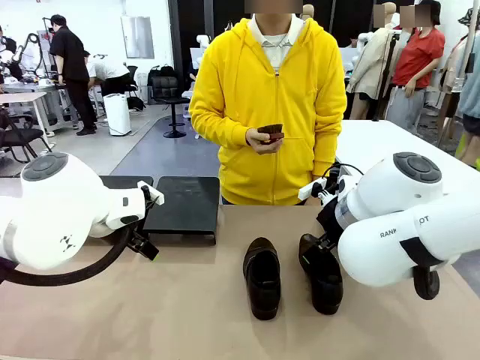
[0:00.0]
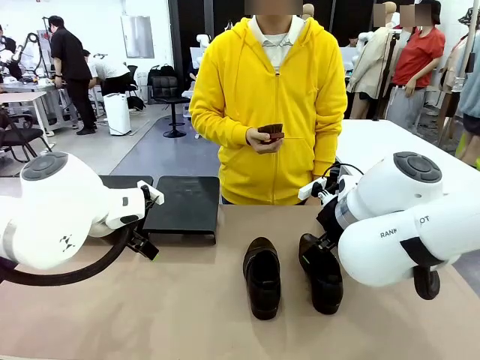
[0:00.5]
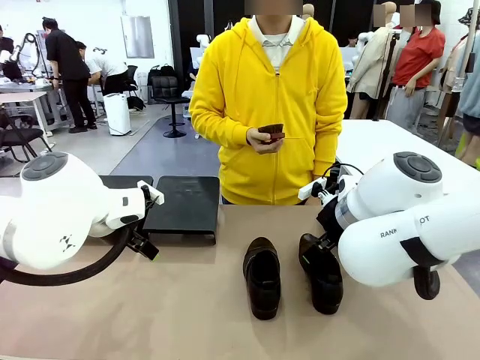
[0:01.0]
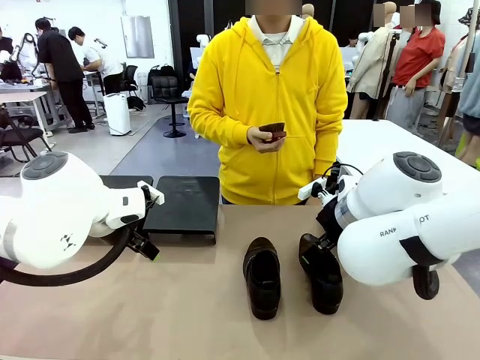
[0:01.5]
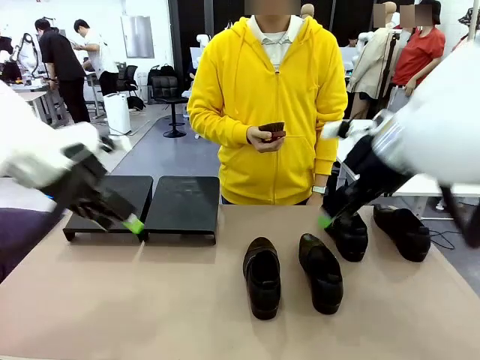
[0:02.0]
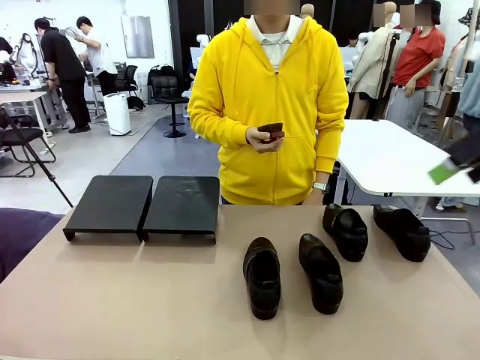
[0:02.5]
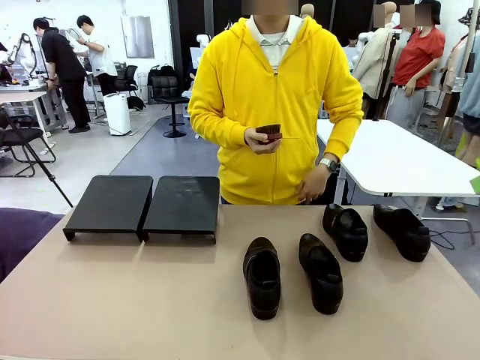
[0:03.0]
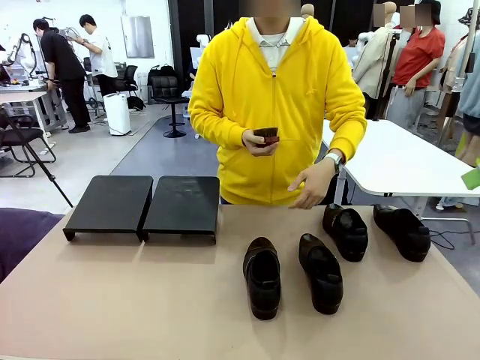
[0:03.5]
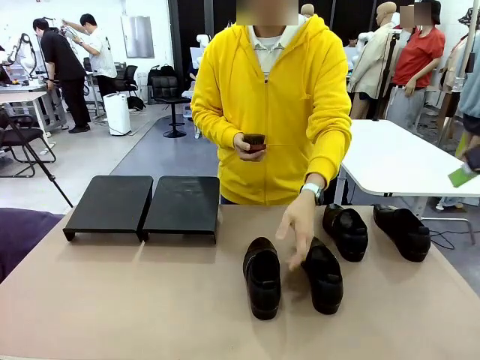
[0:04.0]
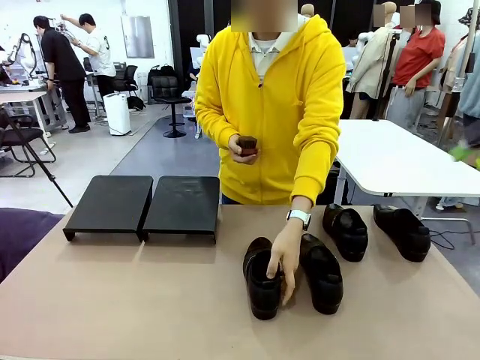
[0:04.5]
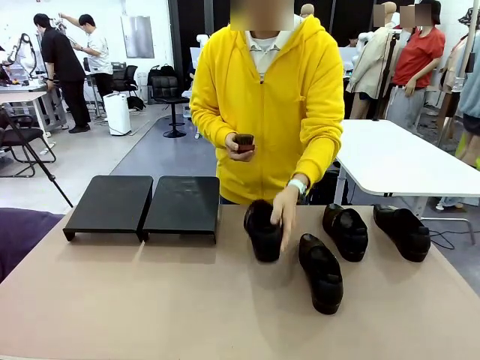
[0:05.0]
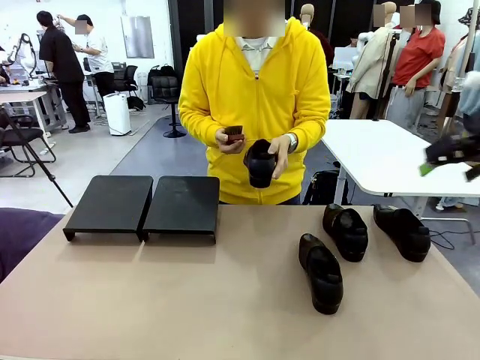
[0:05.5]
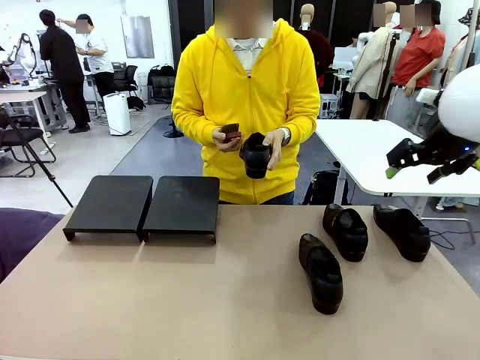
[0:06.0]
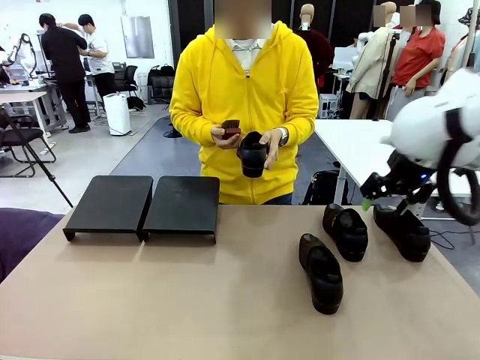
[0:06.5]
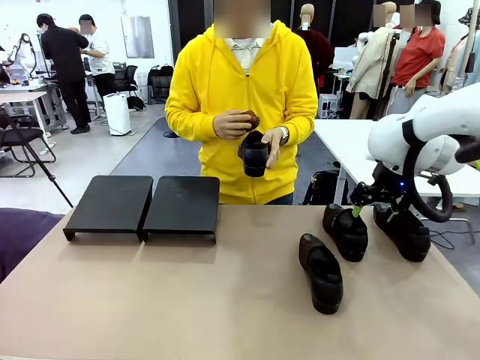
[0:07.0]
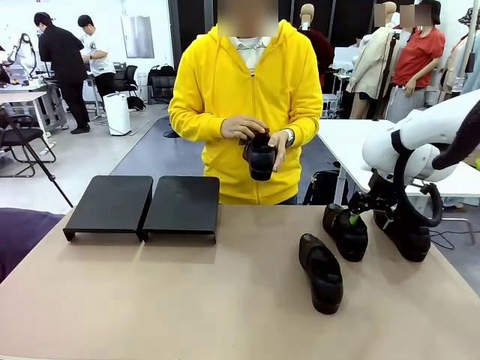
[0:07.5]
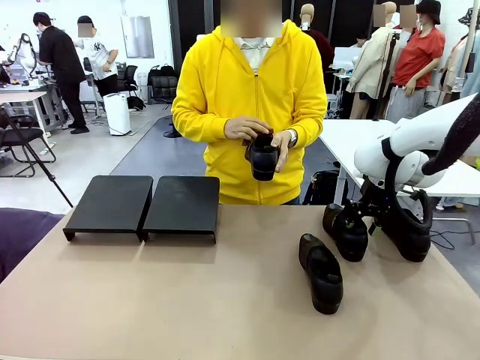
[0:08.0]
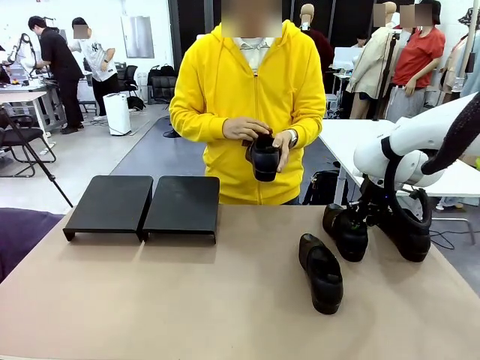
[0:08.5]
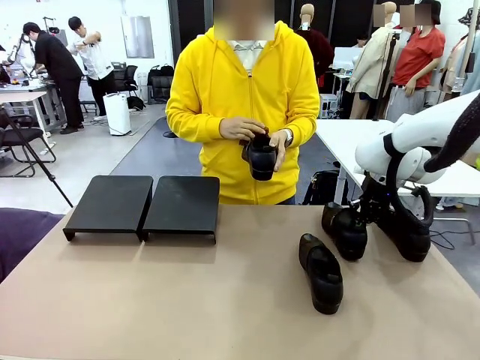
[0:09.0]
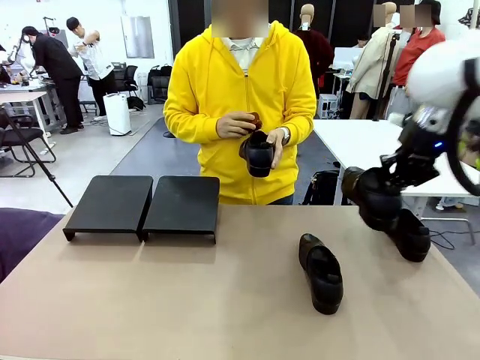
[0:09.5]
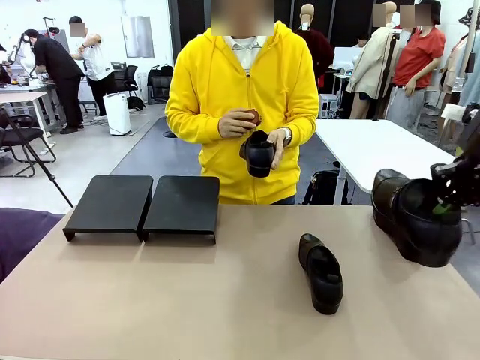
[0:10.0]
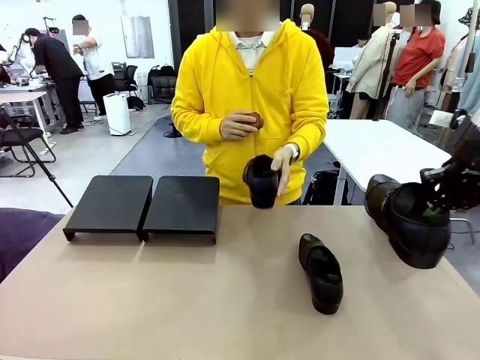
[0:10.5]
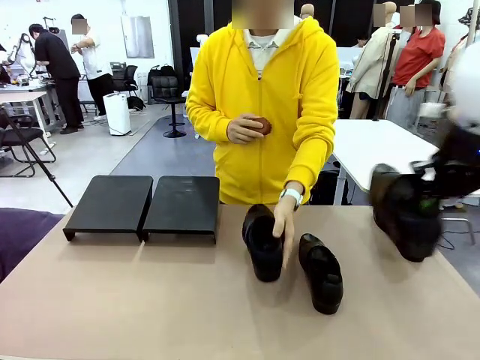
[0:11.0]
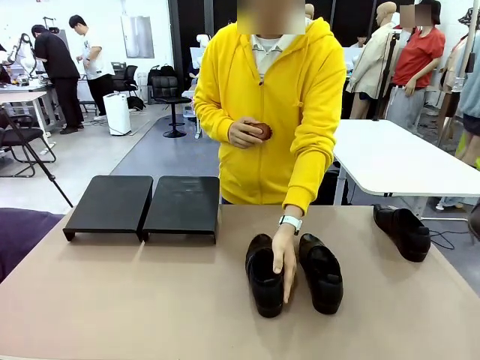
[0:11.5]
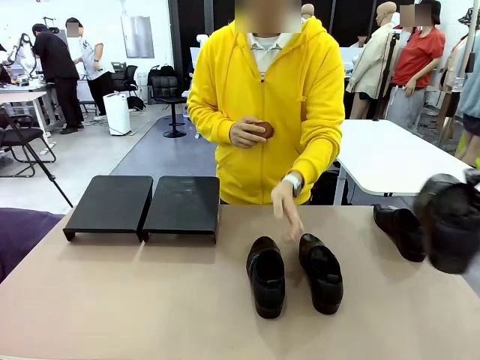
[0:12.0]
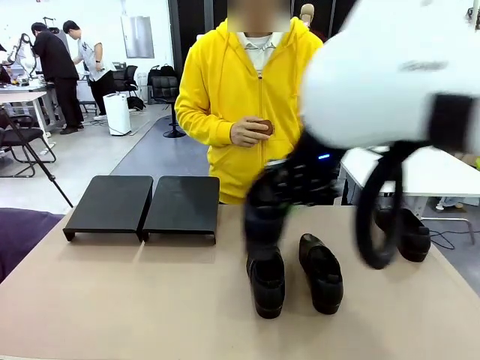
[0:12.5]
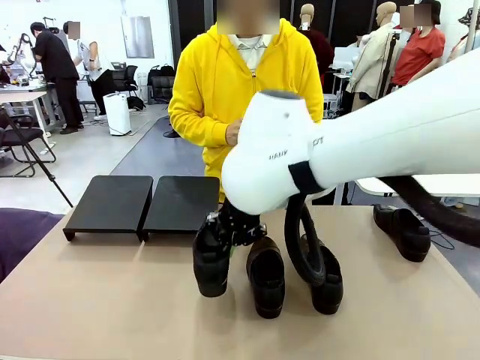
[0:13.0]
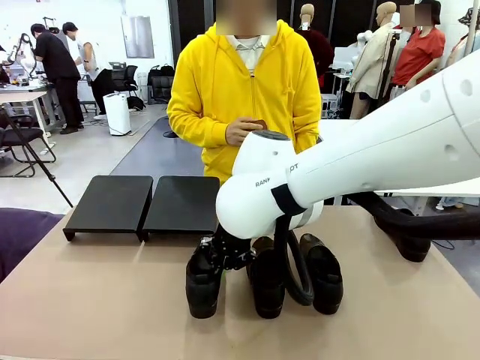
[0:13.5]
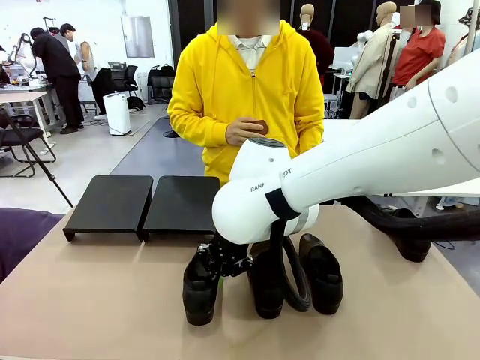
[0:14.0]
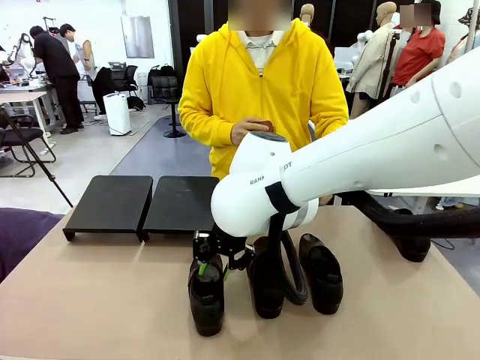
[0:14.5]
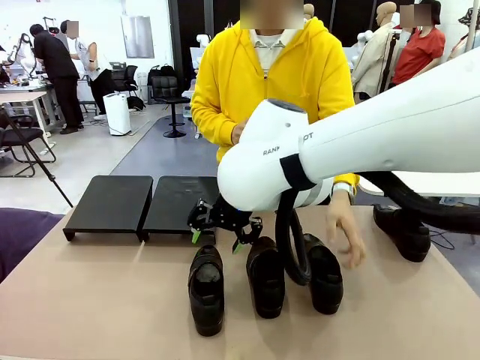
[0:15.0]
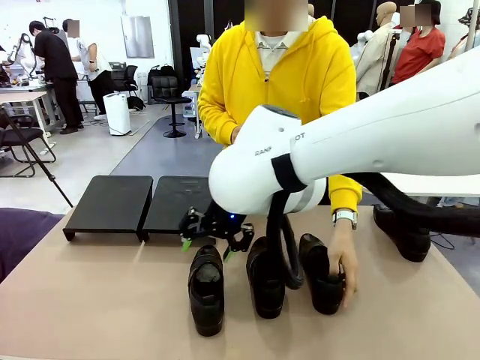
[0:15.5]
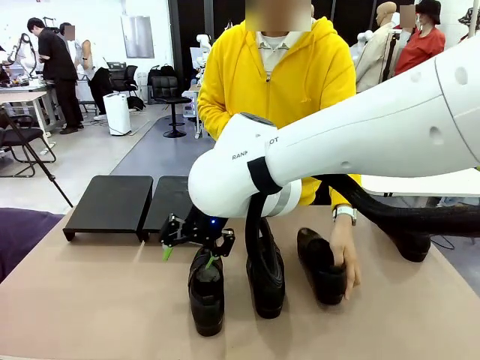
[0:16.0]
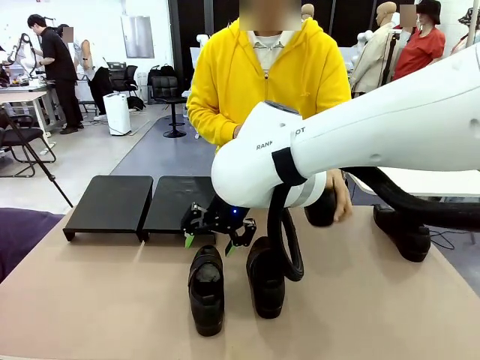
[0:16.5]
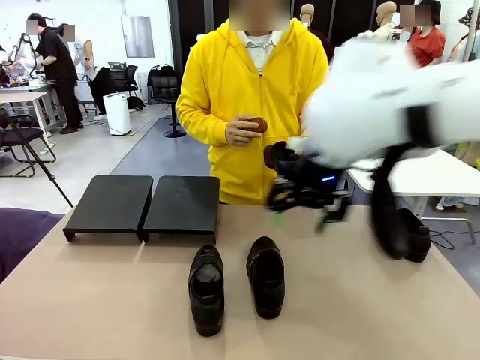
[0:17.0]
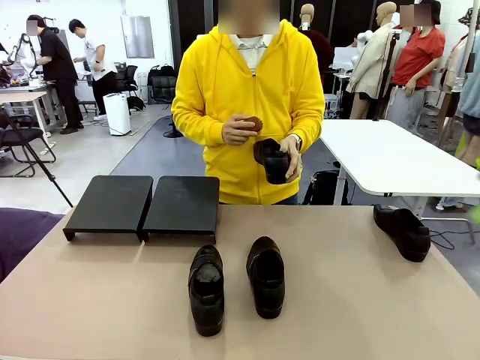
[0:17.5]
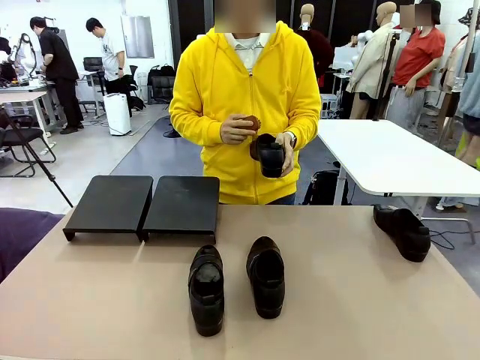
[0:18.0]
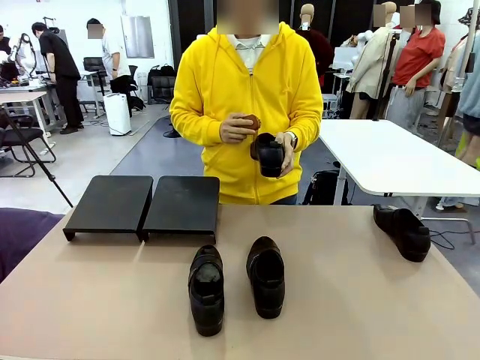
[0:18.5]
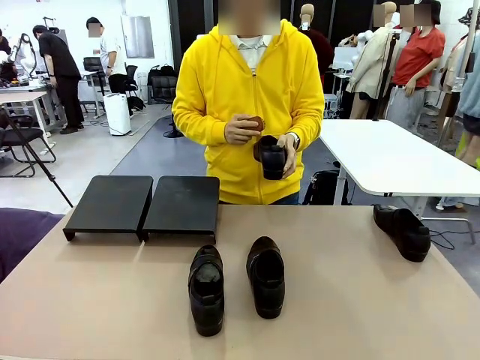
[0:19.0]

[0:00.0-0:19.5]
Task: Organize the shoes by placing them on the stand.
Robot: Pick up one Shoe and place it in the middle of the table.
Person: Pick one Shoe on Robot's table. Clean the Shoe with the Shoe Brush. Place the Shoe on left side of the Robot's table. Pick one Shoe on Robot's table.
